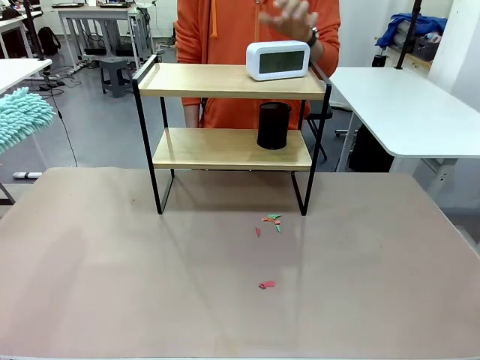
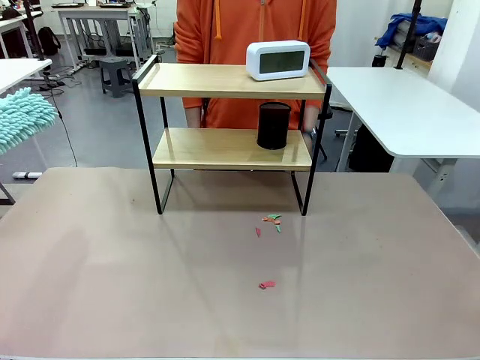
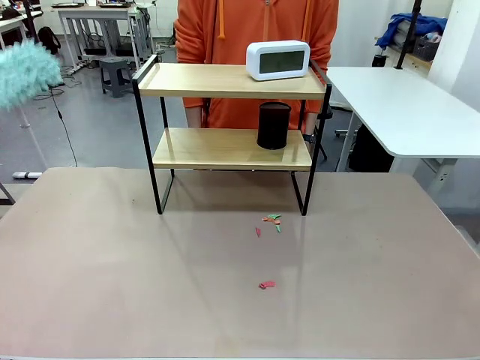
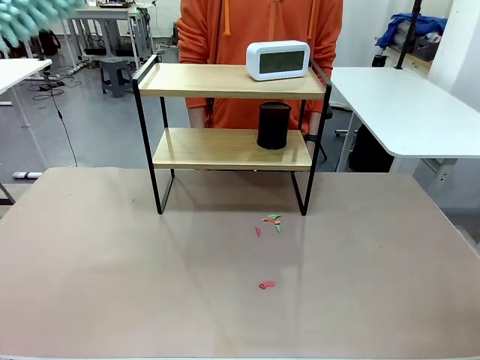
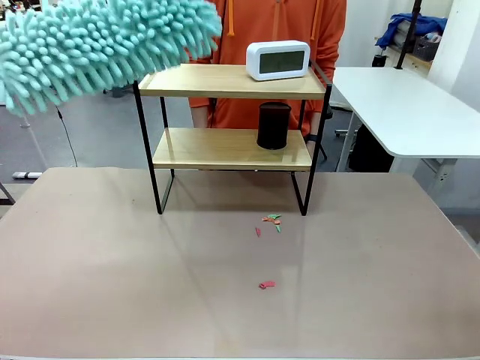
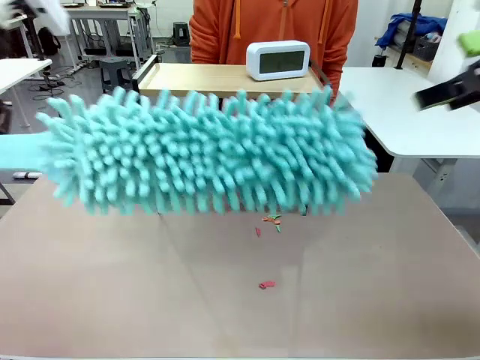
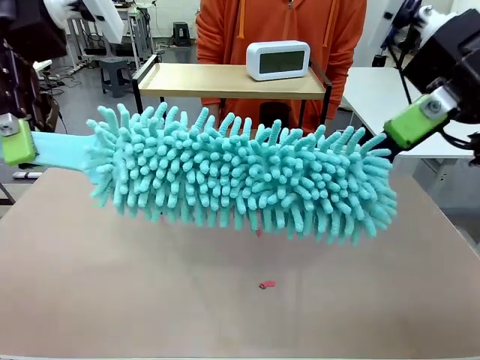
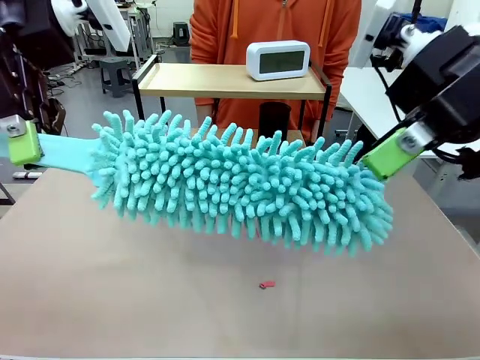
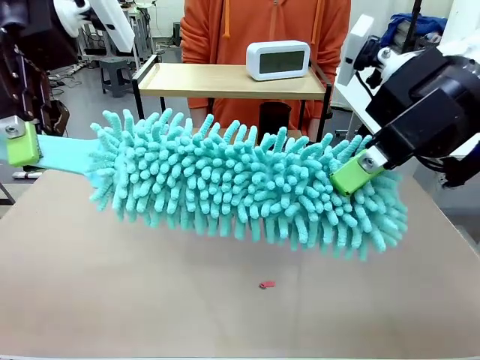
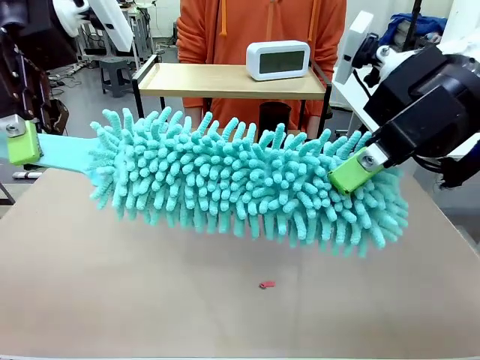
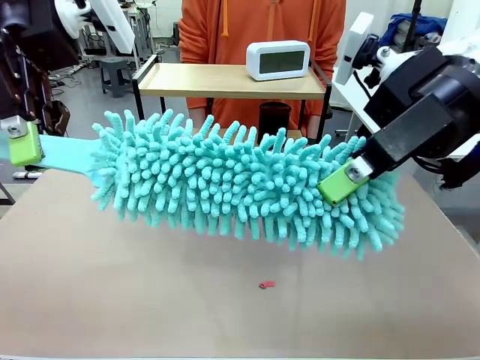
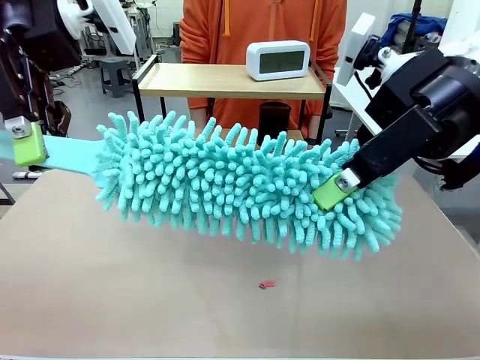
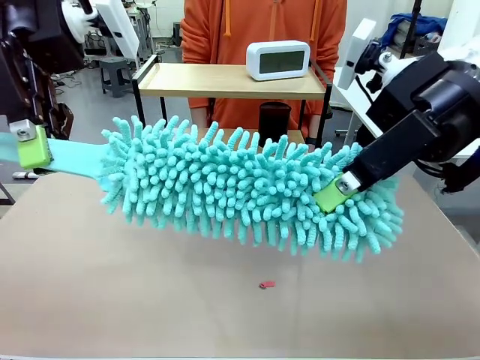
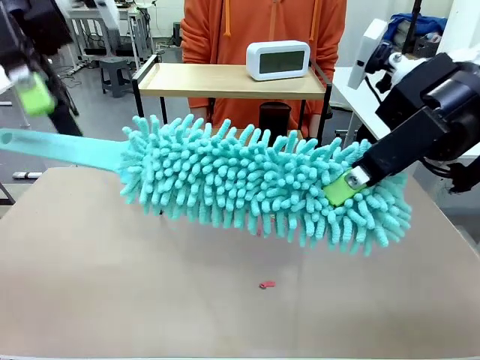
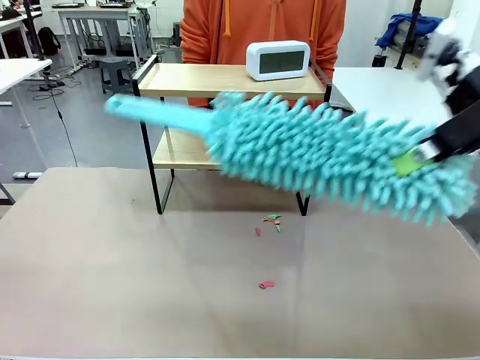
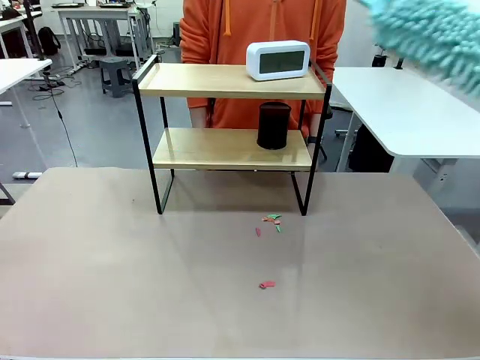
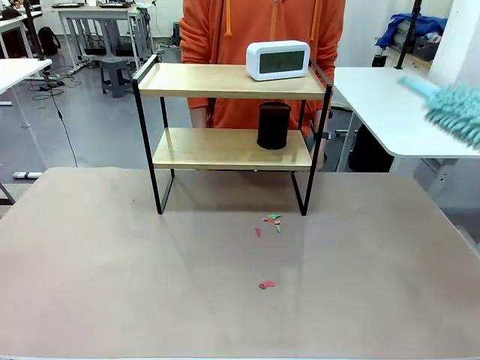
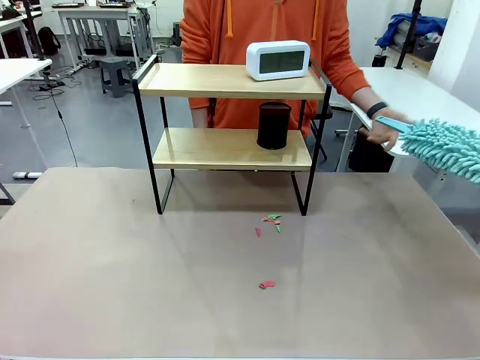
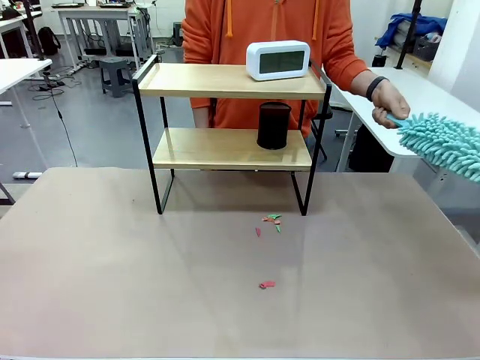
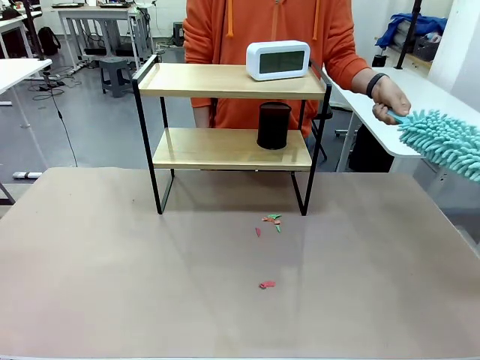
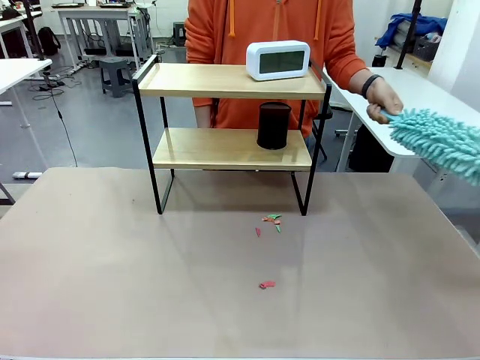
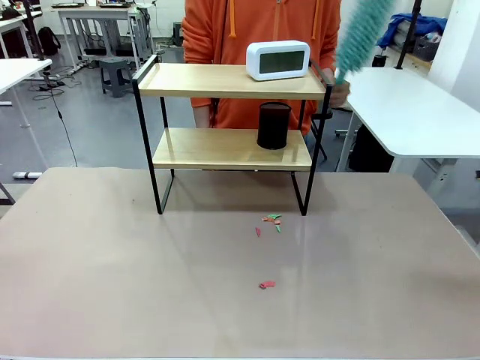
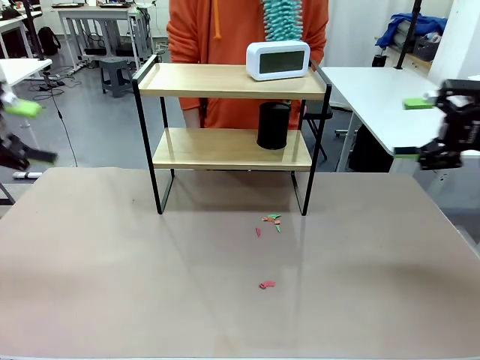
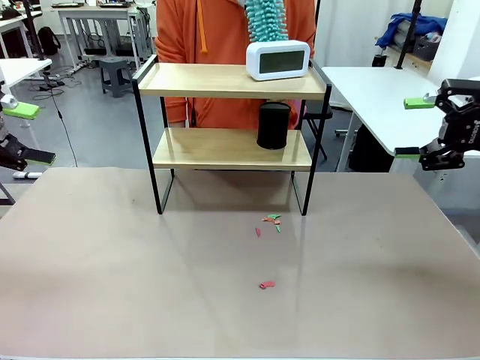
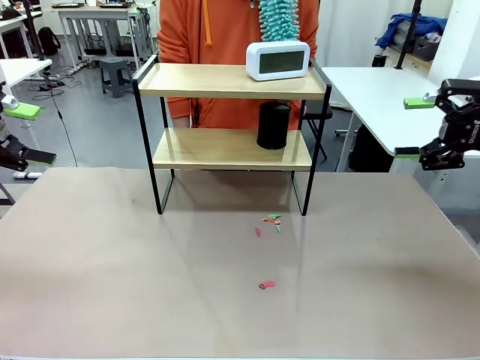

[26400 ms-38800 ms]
Task: Clean the shelf.
Robot: Hand the Duster back to the human.
Person: Receive the Duster from the robot.

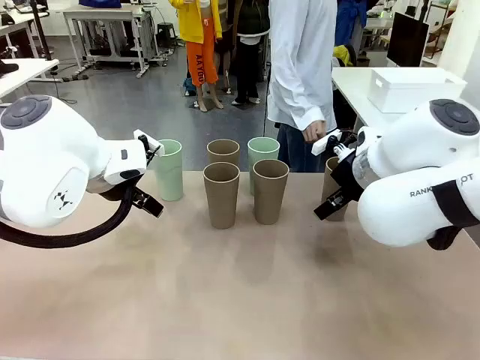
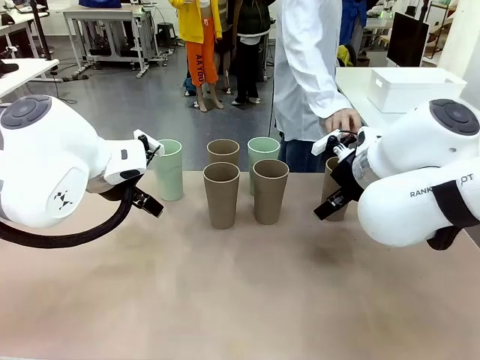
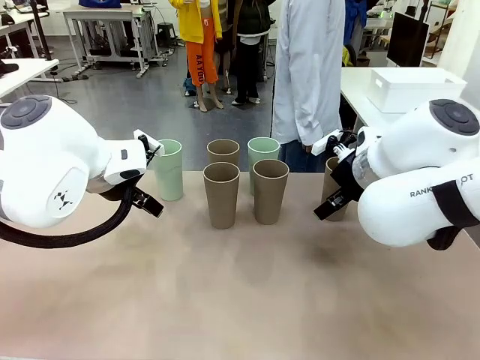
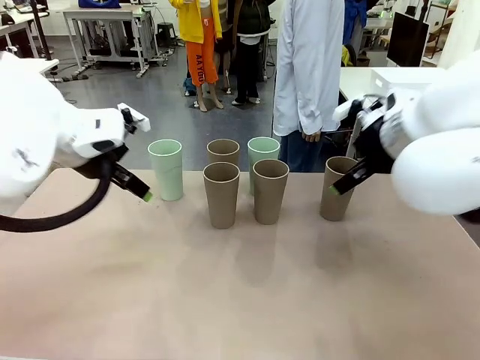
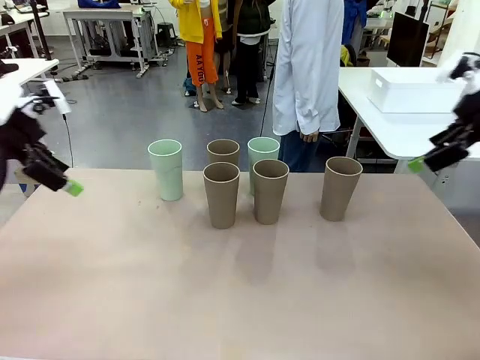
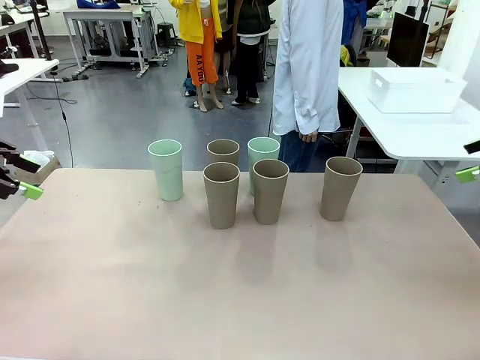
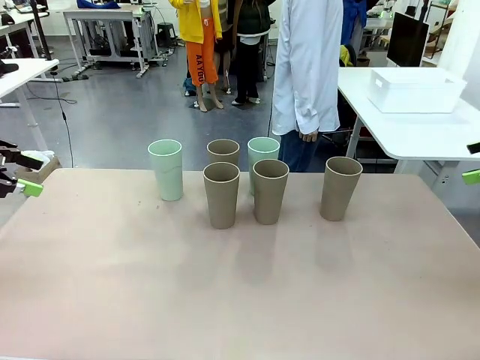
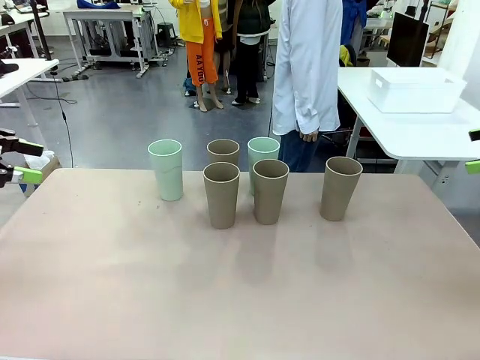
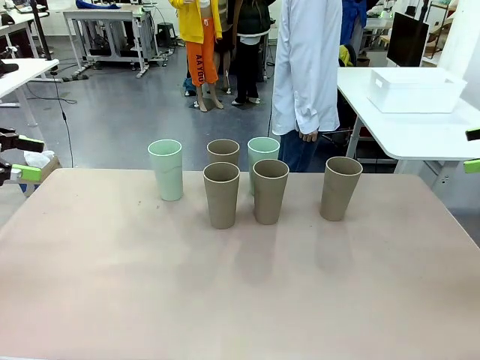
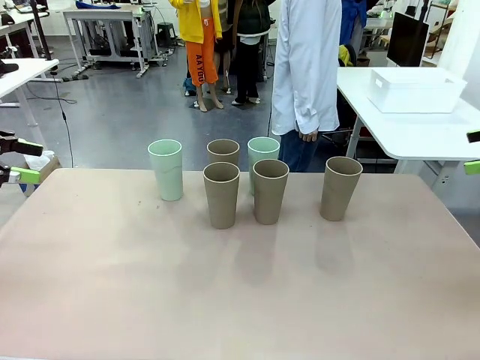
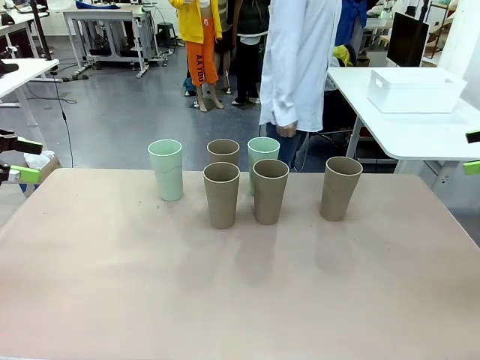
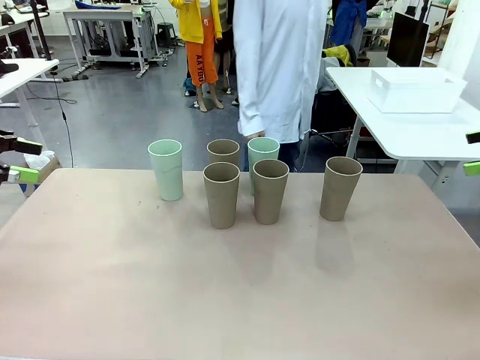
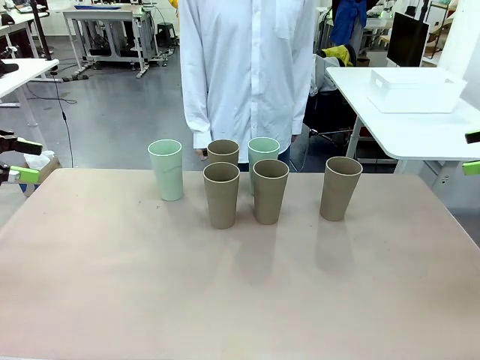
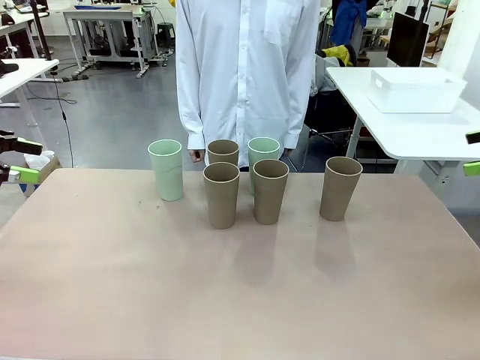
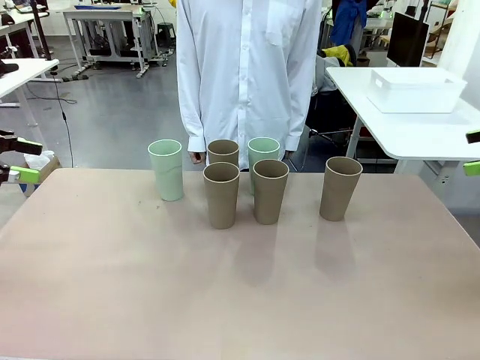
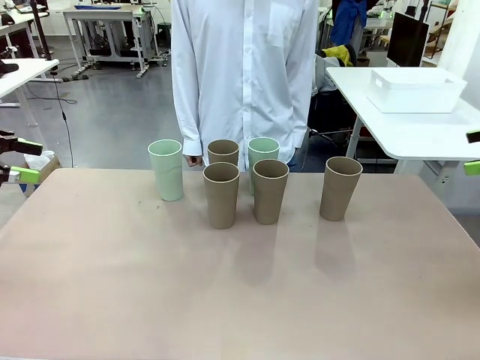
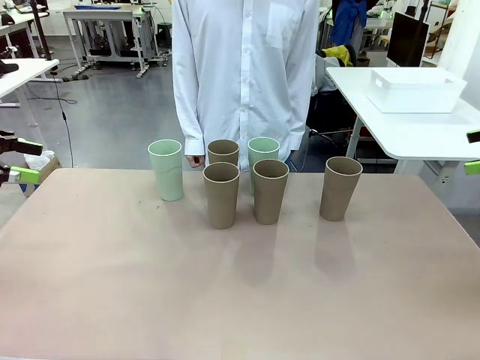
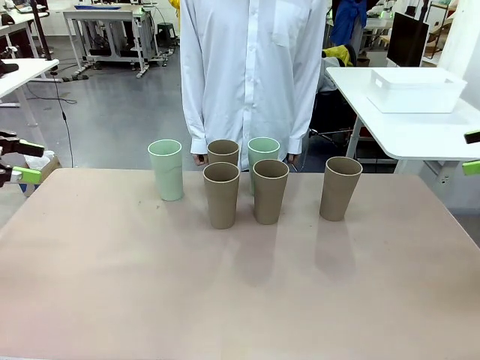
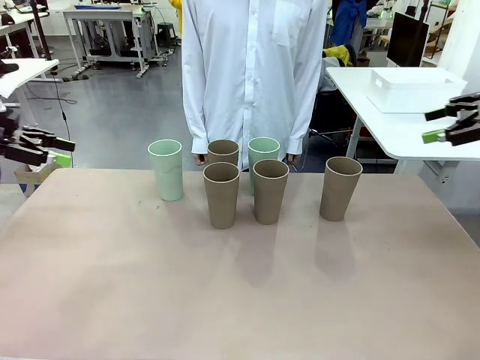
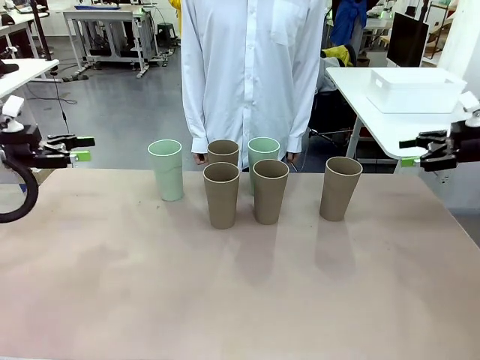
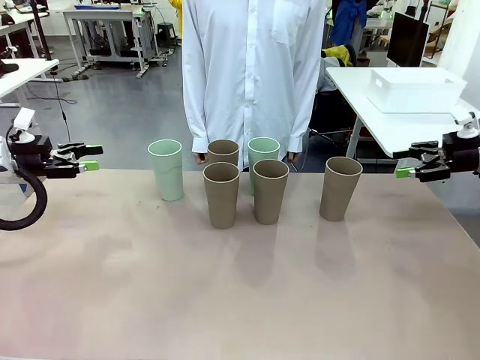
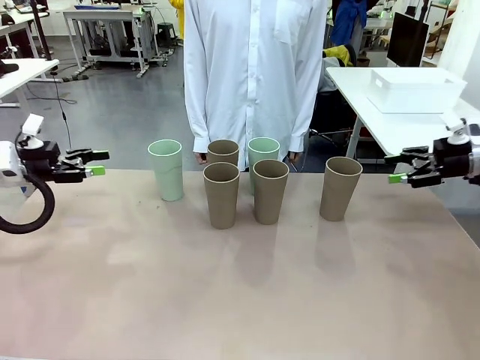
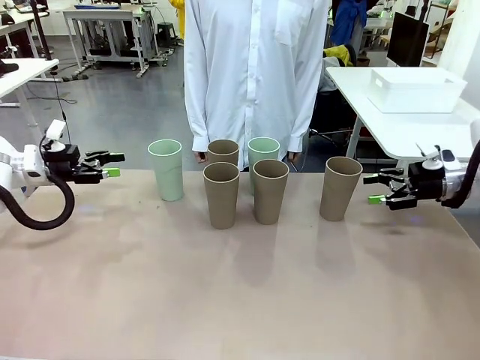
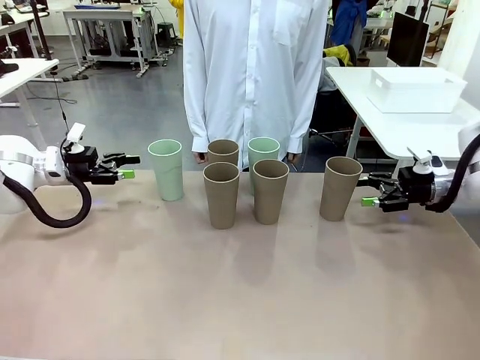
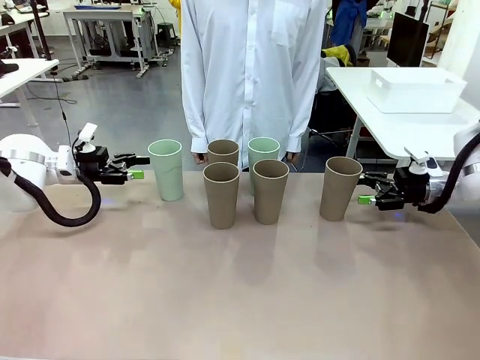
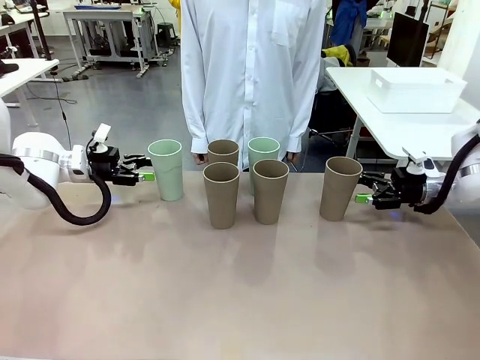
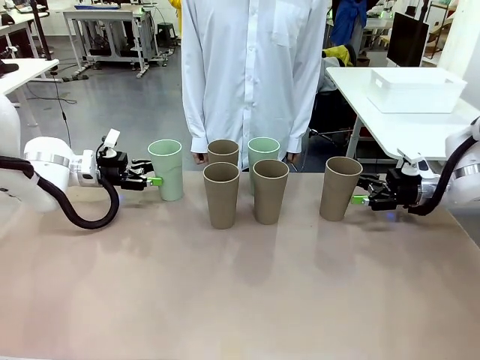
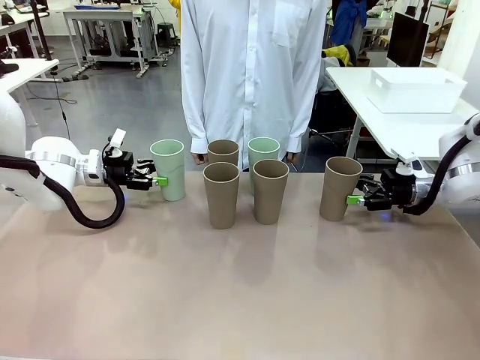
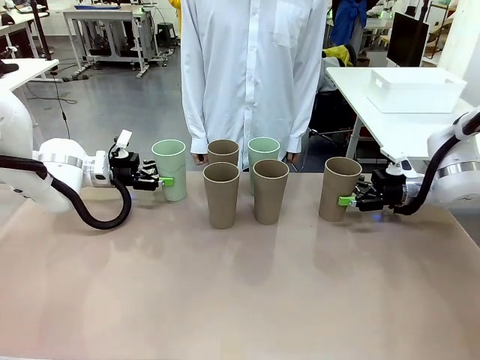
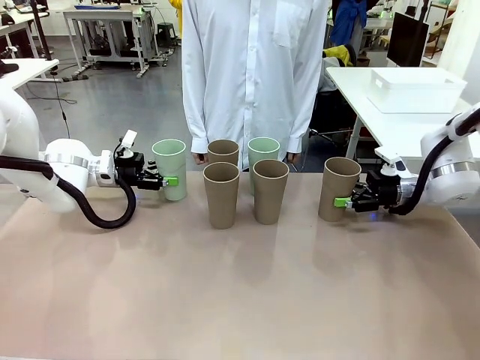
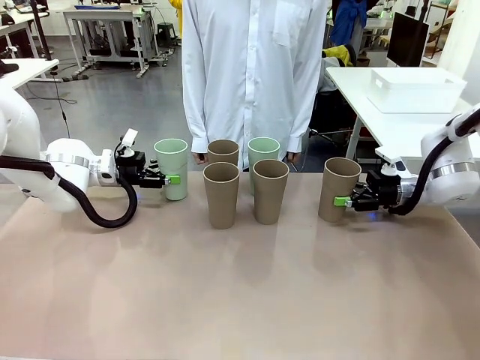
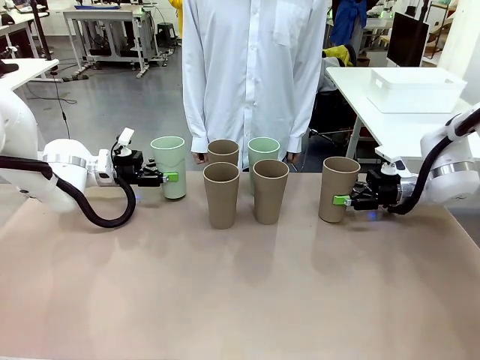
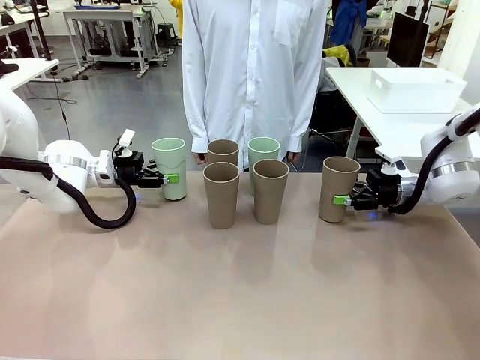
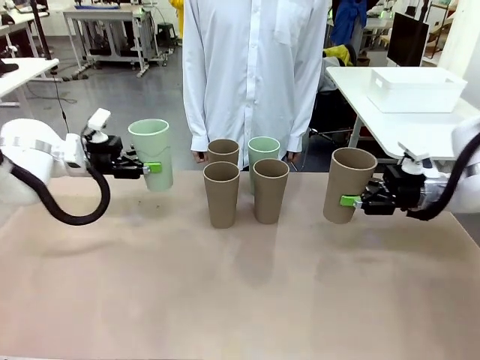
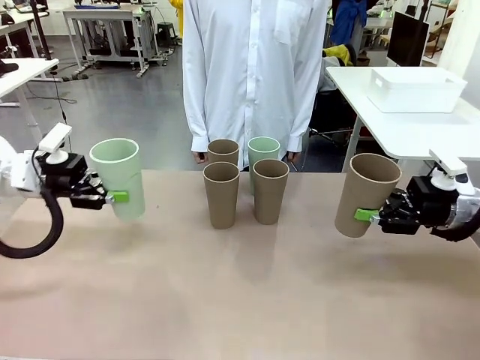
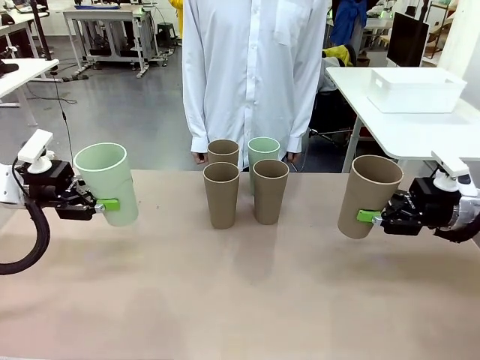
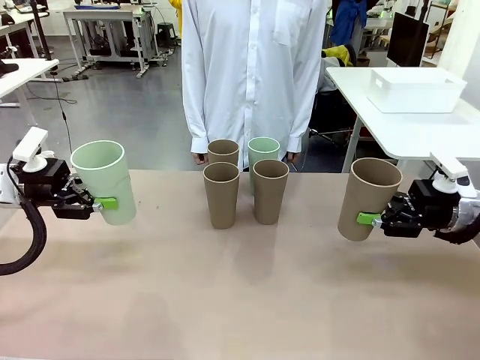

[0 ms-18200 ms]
Task: Stack the cups and store them in the basket.
Robot: Pick up two Reusable plastic cups , one in each hand.
Person: Move from the Human Table to the front of the Robot Table. Stack two of the remaining cups on top of each cup held by the robot.
